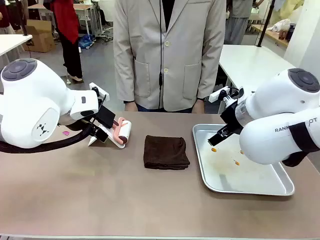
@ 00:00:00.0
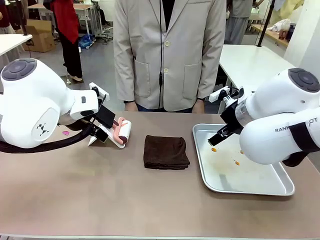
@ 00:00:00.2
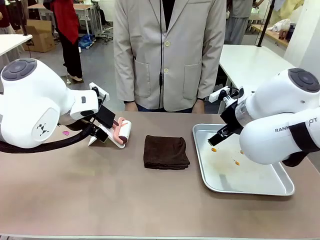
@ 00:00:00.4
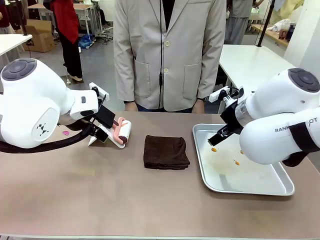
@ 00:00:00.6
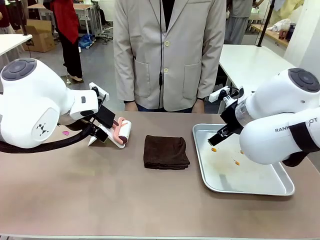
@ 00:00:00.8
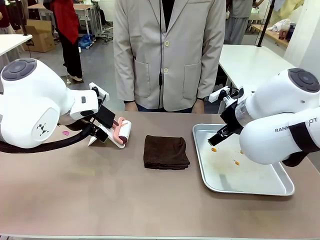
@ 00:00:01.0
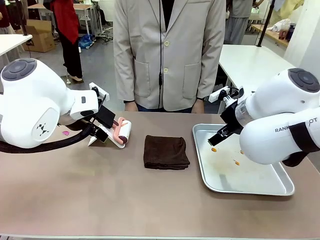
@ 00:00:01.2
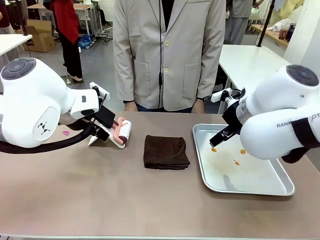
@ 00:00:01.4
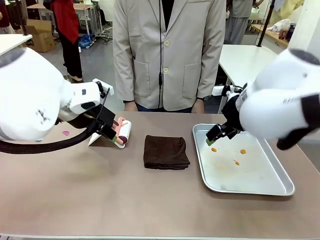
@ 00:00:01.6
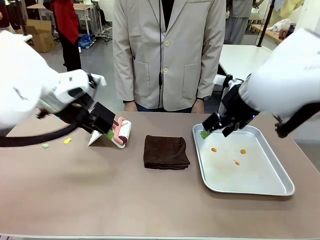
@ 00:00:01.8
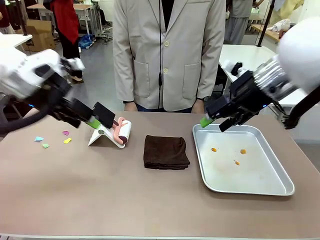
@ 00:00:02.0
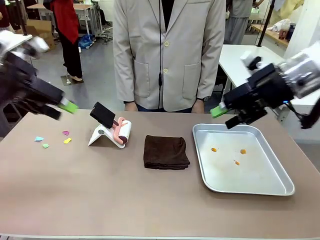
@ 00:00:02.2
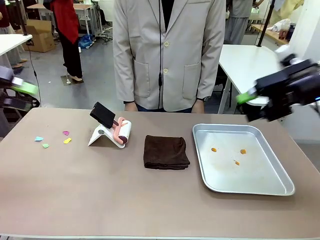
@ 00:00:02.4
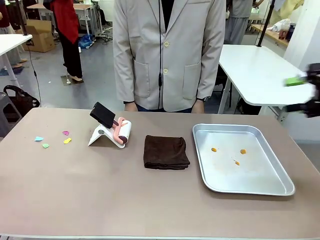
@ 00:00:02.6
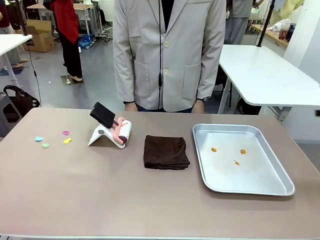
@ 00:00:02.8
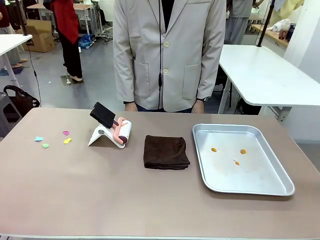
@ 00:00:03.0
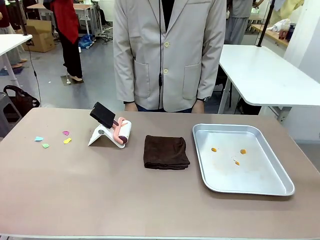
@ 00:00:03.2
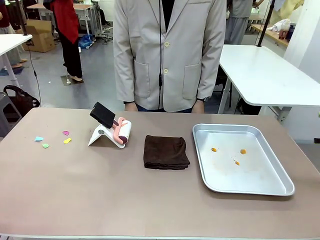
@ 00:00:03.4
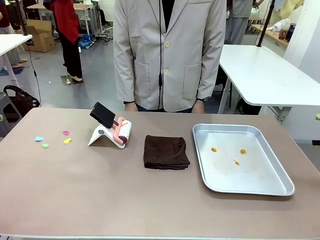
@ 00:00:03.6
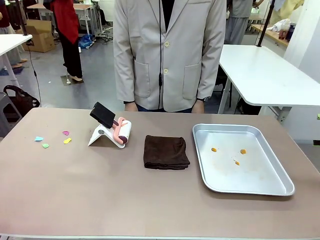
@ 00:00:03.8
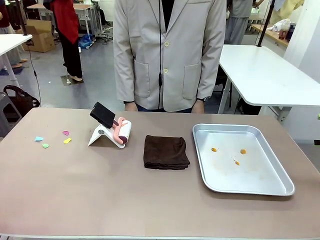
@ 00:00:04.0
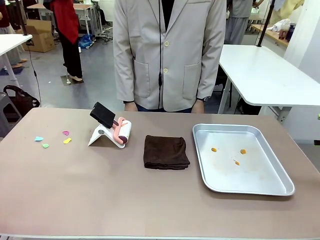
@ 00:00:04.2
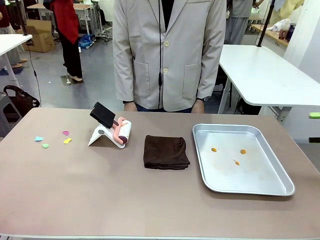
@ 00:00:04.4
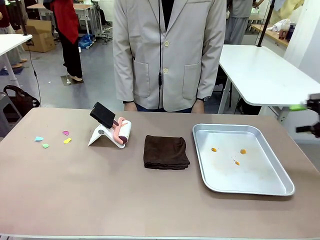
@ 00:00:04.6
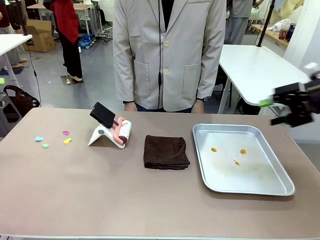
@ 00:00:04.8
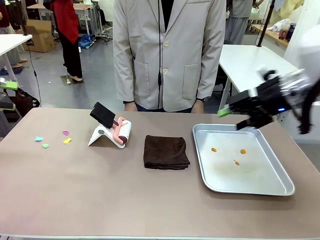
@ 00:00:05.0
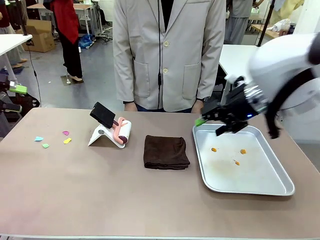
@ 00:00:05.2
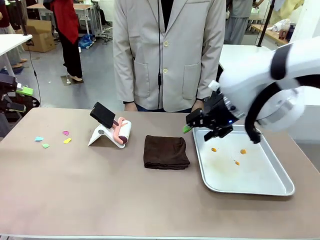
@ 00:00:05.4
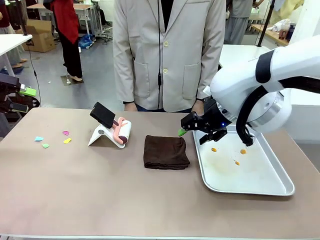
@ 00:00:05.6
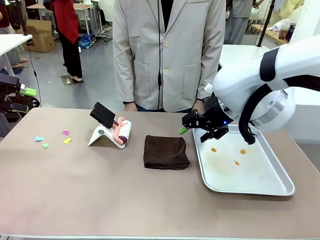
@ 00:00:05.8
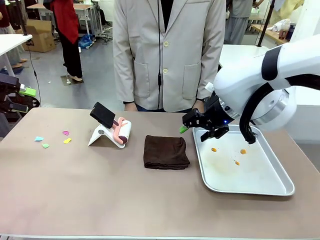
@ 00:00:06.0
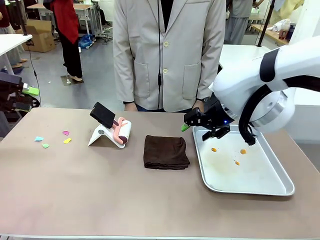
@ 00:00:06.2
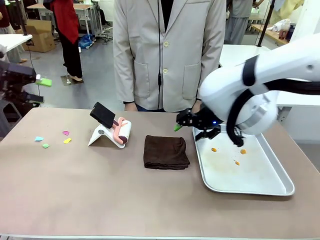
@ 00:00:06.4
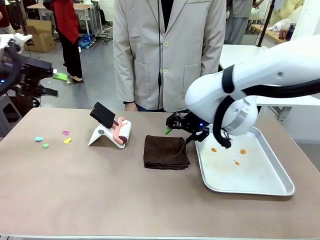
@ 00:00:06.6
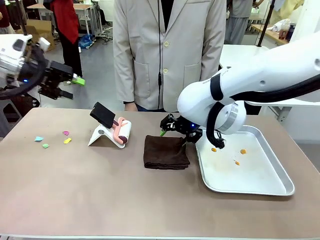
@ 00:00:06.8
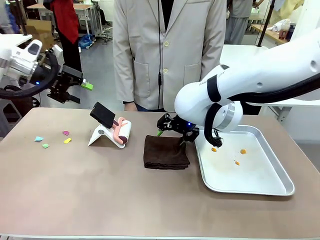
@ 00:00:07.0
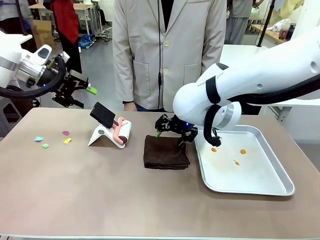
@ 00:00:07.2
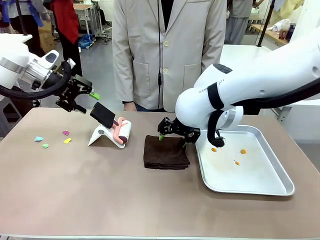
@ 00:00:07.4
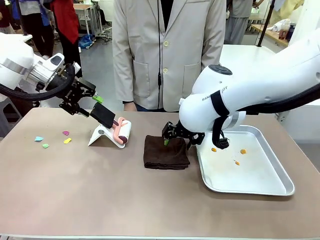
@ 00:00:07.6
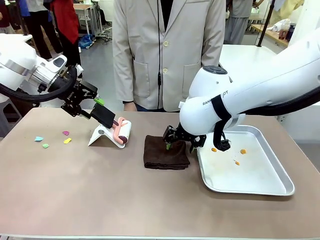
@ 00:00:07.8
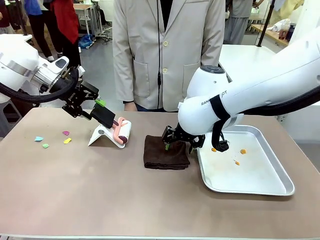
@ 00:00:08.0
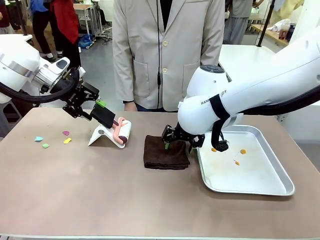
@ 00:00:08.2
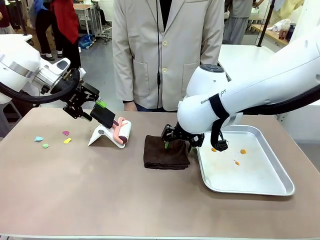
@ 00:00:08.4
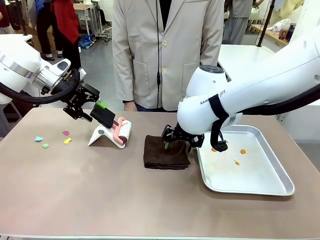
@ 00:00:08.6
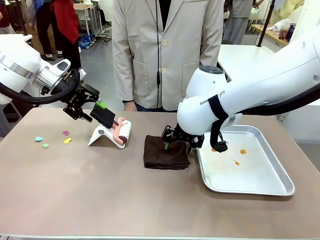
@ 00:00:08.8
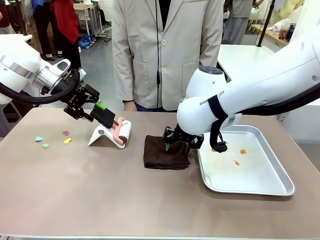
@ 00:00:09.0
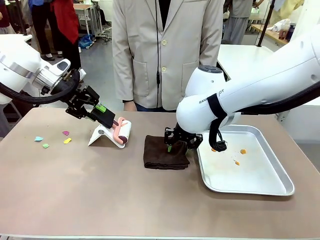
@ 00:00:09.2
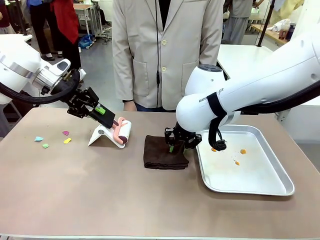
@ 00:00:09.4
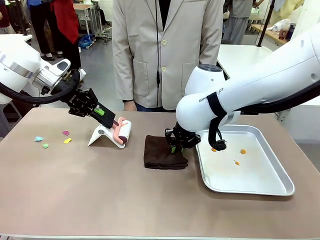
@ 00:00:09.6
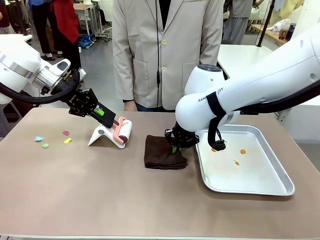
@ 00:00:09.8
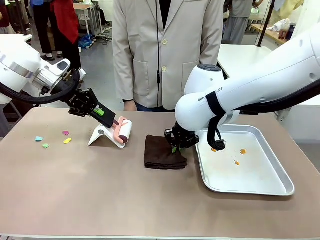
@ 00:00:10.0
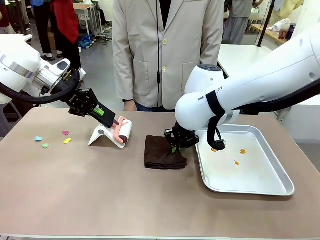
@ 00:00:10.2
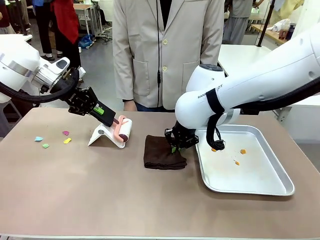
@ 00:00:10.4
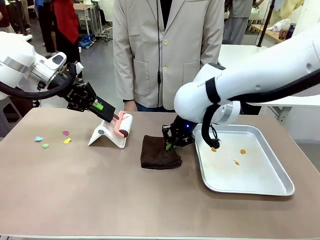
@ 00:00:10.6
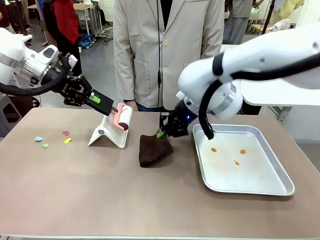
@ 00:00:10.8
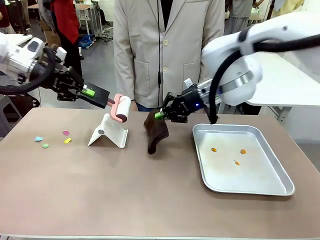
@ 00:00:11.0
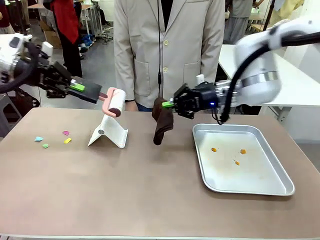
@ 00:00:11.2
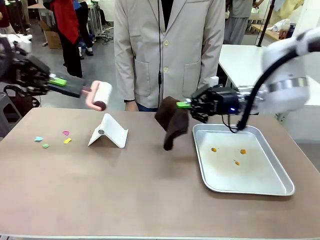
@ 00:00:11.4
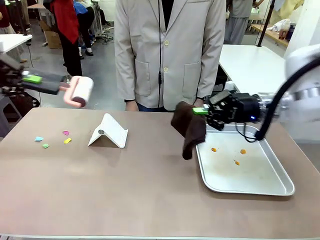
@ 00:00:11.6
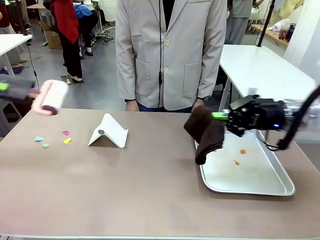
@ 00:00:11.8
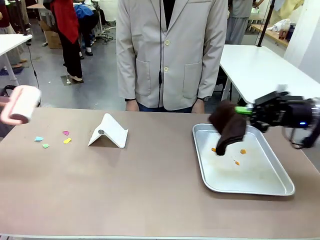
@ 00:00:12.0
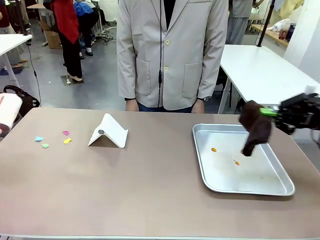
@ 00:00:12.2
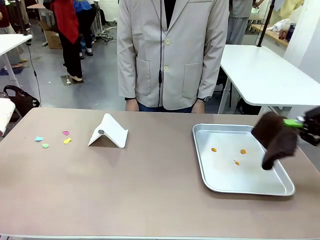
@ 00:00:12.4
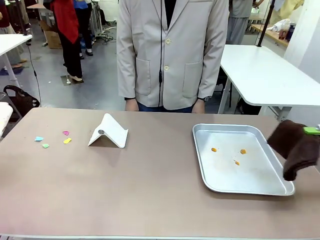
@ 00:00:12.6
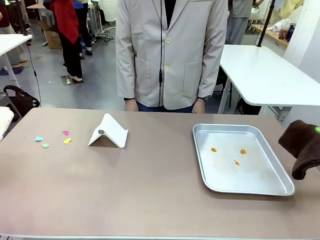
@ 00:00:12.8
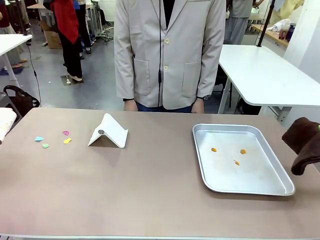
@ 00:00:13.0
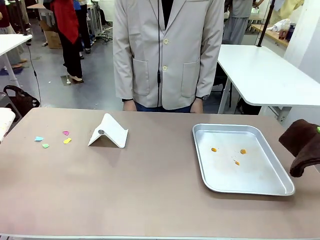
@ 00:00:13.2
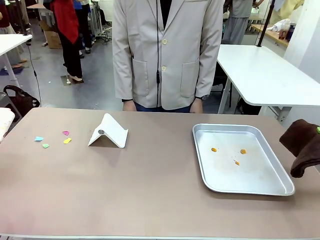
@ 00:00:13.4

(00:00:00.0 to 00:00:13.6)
Task: Clean the surface of the table.
Robot: Hold the Lint Roller with your left hand and the towel with your right hand.

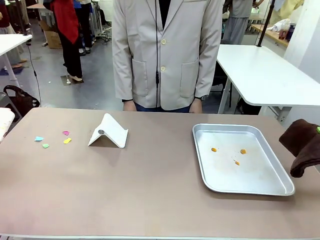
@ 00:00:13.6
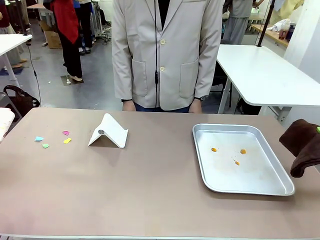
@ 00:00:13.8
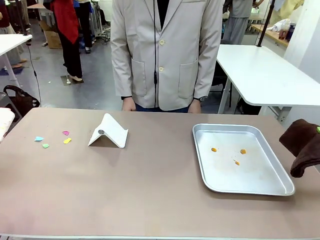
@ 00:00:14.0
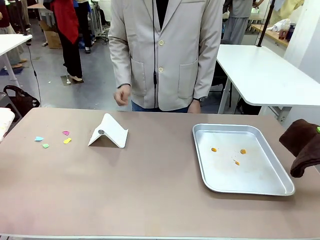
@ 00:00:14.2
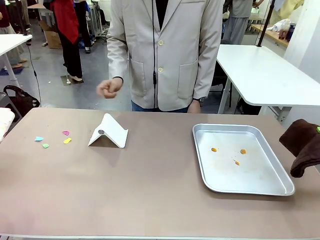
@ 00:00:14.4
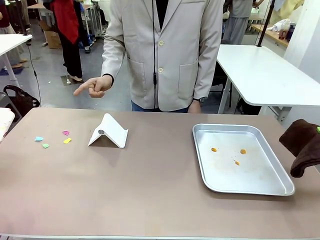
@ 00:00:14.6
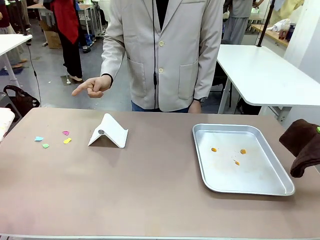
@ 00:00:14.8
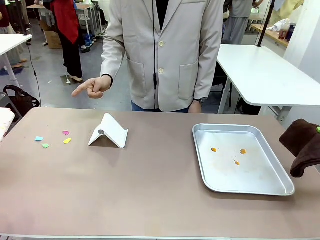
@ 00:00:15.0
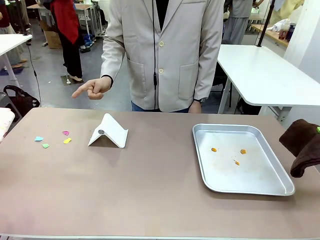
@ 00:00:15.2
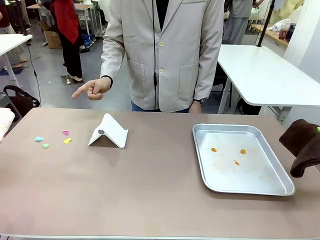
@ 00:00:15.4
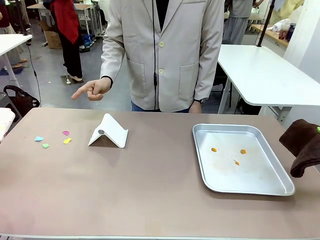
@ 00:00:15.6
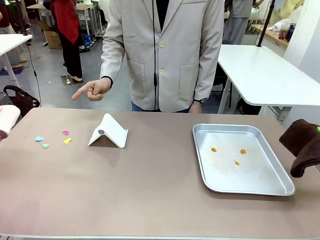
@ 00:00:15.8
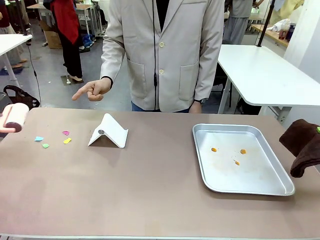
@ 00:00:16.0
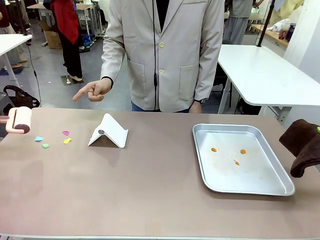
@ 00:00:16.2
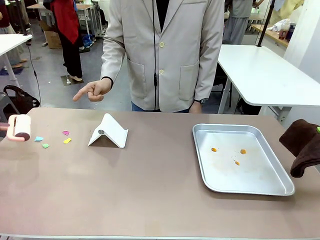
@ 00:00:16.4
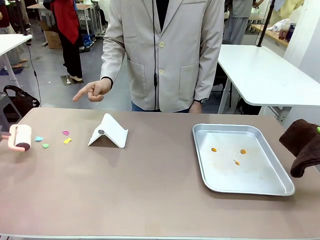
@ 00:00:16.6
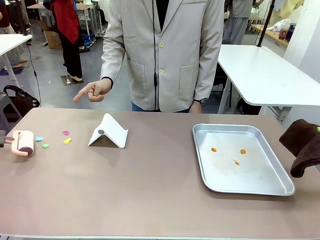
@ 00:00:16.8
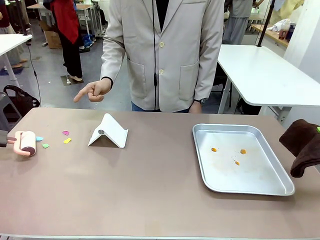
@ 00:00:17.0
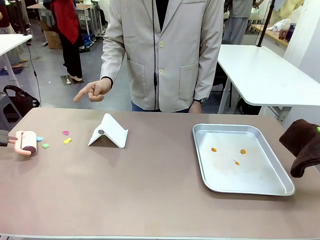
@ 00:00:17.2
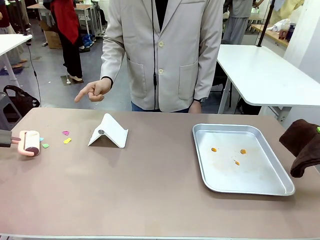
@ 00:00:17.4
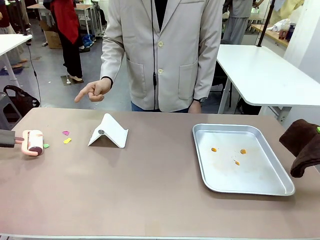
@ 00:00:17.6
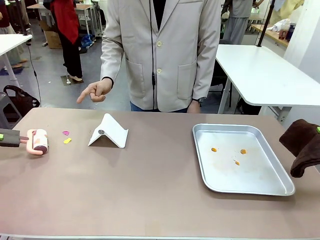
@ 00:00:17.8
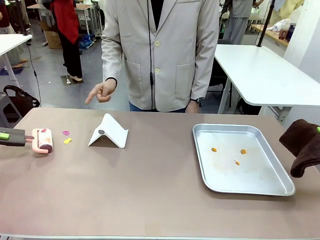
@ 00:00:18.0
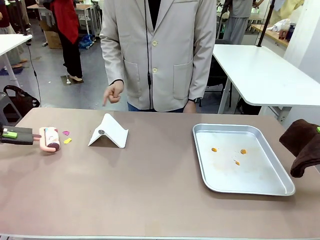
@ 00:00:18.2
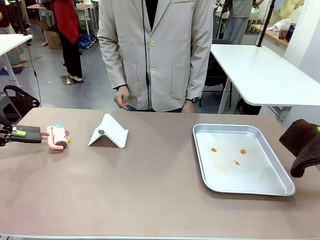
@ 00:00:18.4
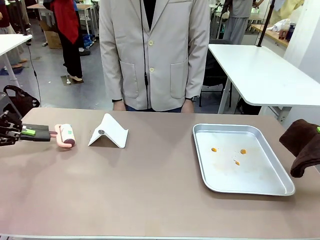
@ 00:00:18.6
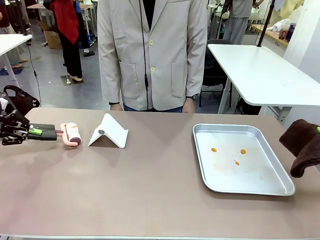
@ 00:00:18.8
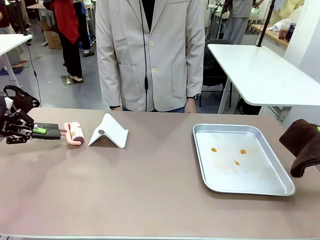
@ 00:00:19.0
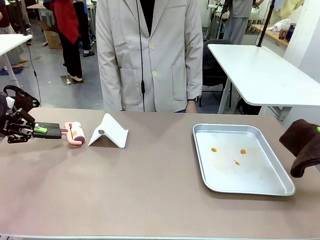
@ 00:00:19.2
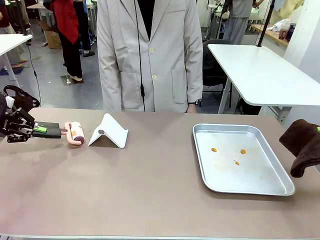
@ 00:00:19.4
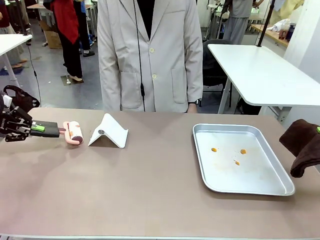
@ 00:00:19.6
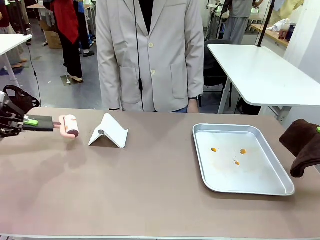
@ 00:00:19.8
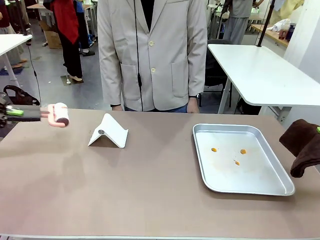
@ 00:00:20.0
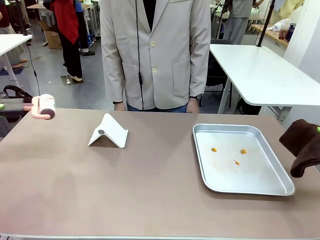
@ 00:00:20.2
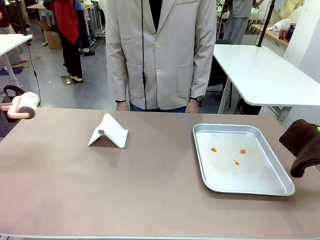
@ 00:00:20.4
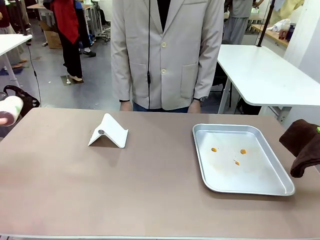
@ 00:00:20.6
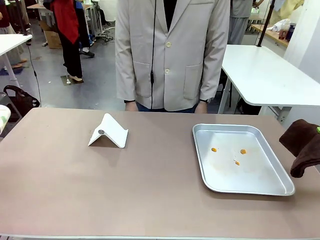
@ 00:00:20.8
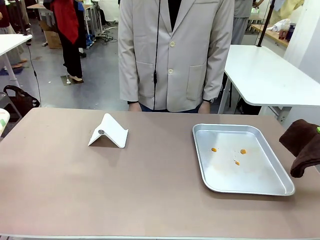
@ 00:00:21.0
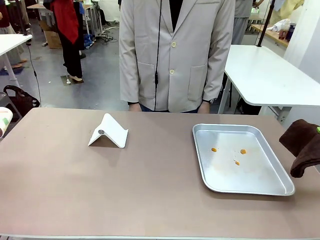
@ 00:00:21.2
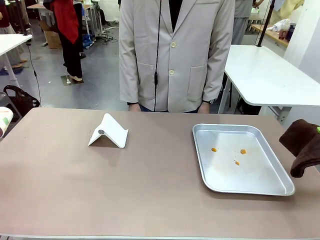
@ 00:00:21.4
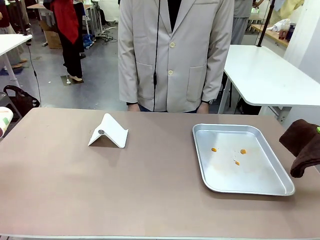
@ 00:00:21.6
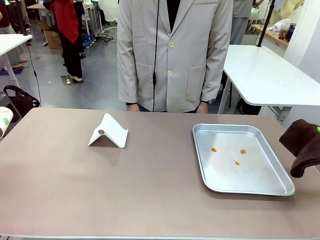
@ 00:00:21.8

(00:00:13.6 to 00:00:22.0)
Robot: If a person points to the right, clean the right side of the table with your right hand, and if they point to the left, clean the left side with your left hand.
